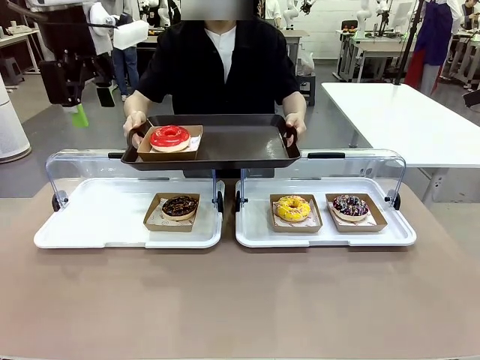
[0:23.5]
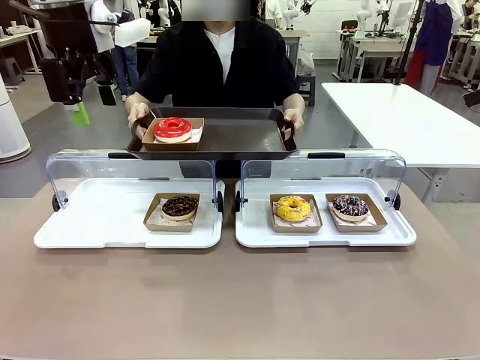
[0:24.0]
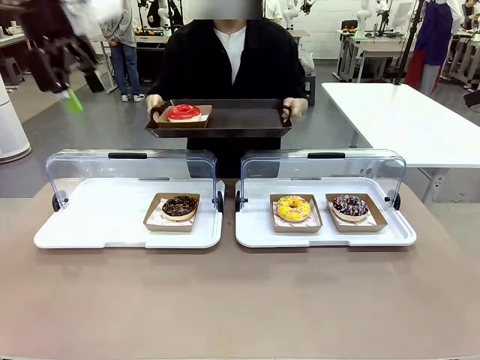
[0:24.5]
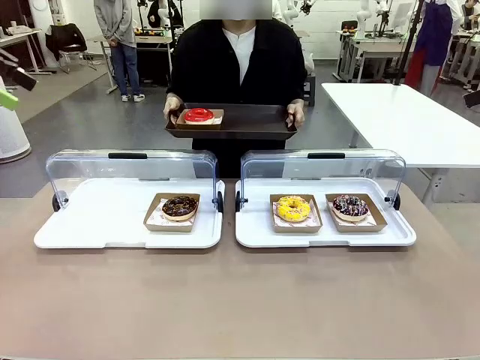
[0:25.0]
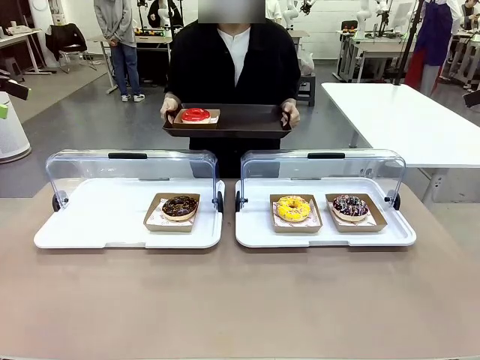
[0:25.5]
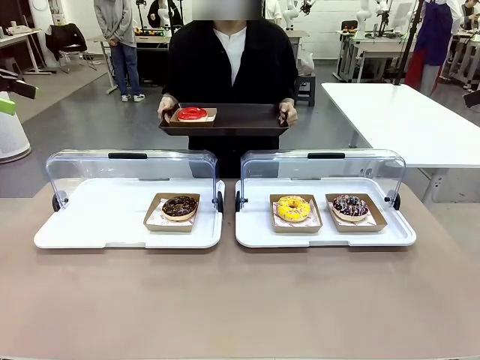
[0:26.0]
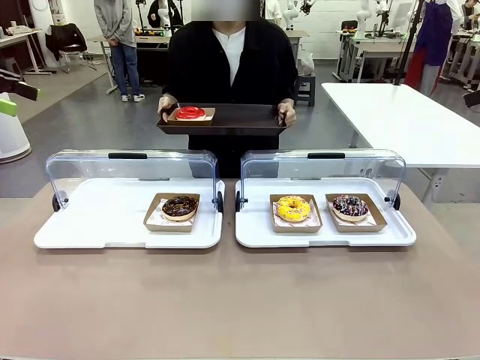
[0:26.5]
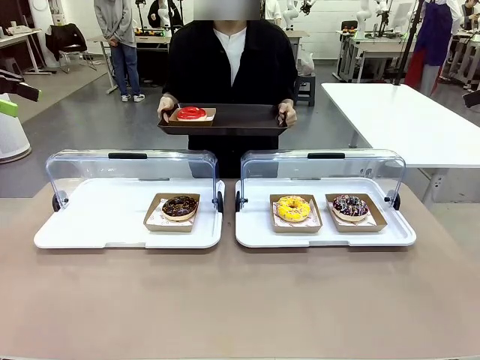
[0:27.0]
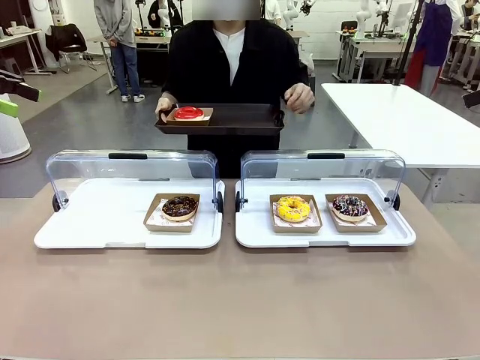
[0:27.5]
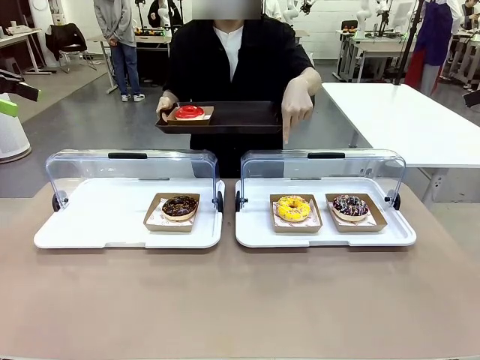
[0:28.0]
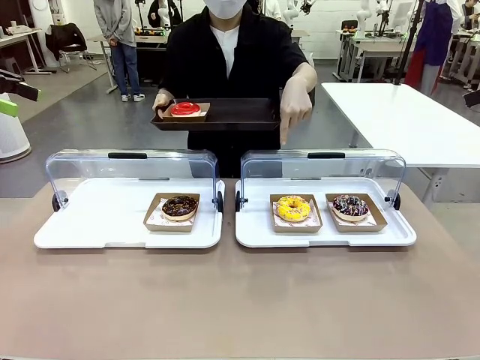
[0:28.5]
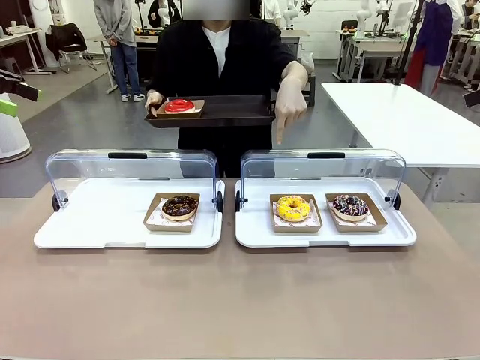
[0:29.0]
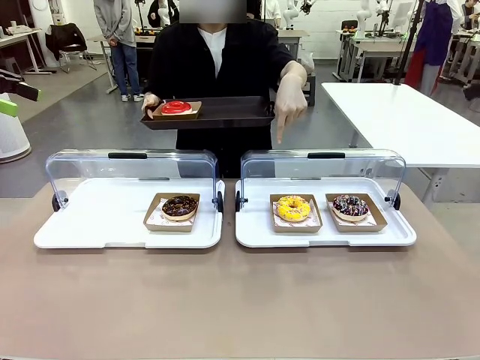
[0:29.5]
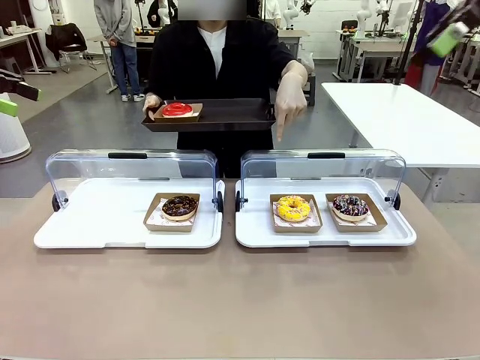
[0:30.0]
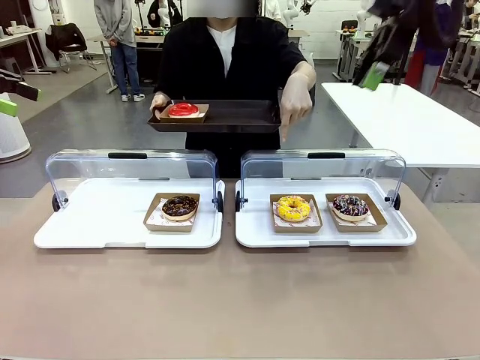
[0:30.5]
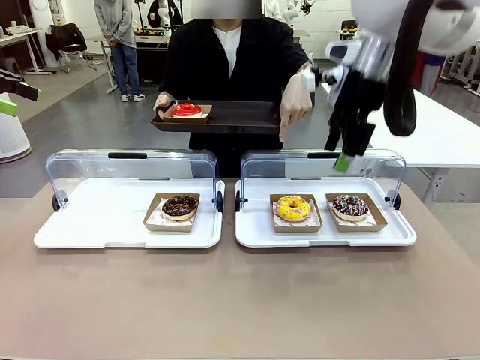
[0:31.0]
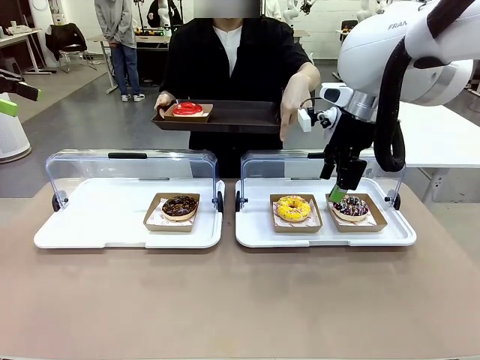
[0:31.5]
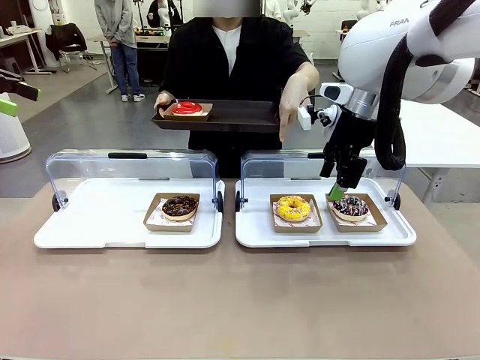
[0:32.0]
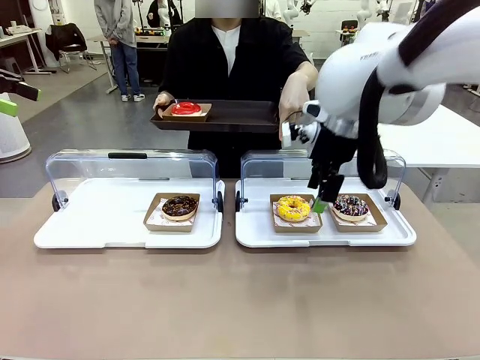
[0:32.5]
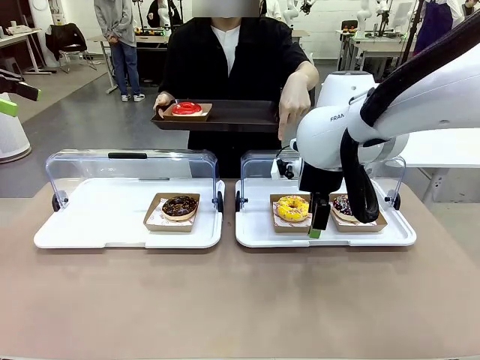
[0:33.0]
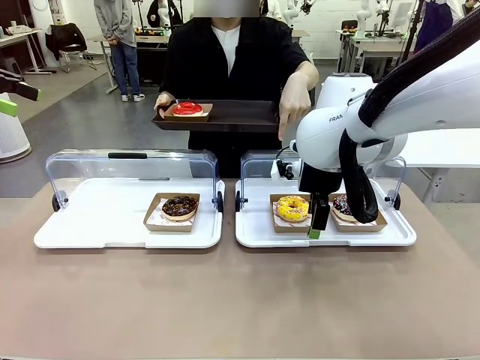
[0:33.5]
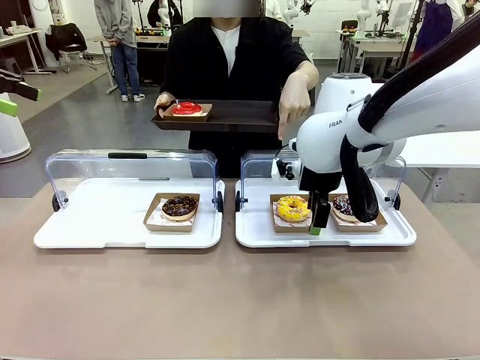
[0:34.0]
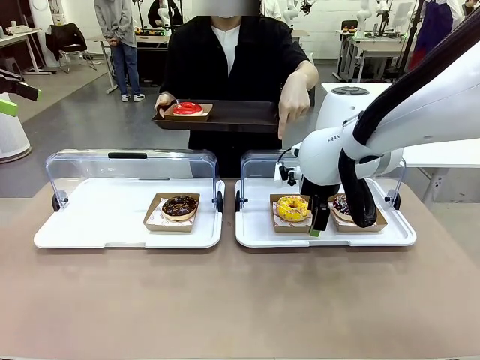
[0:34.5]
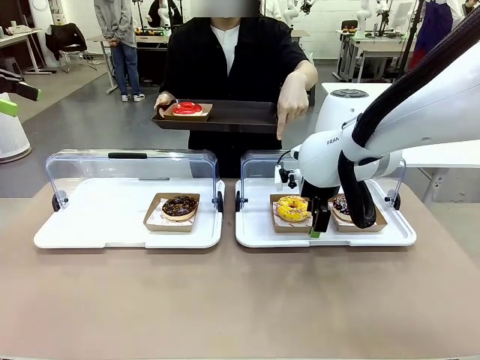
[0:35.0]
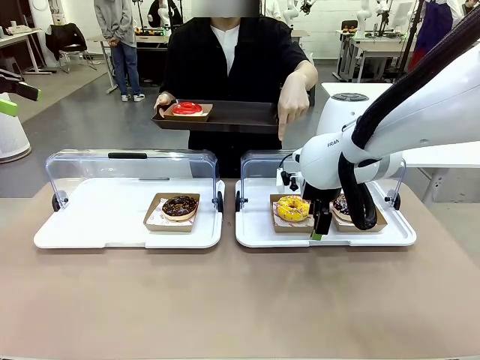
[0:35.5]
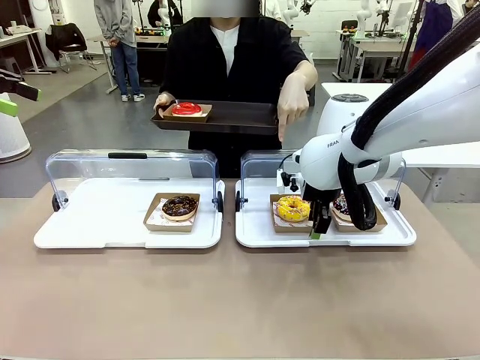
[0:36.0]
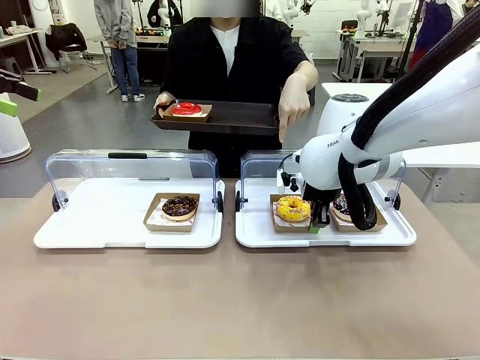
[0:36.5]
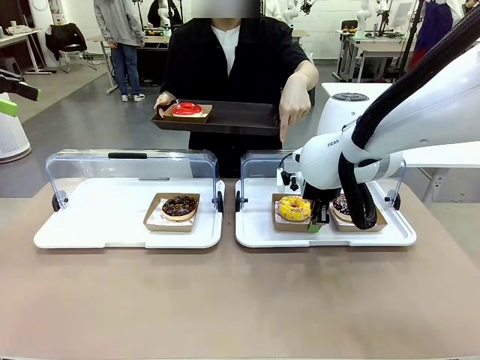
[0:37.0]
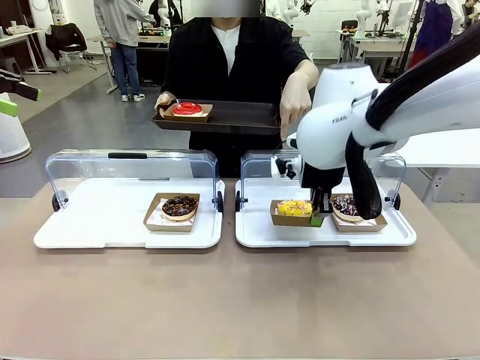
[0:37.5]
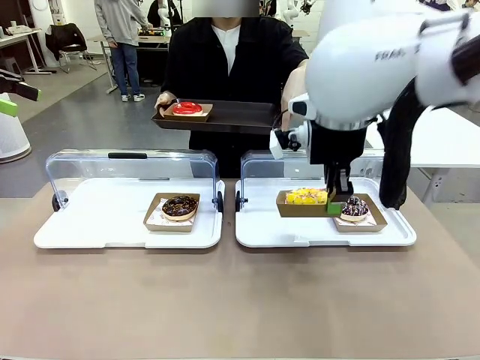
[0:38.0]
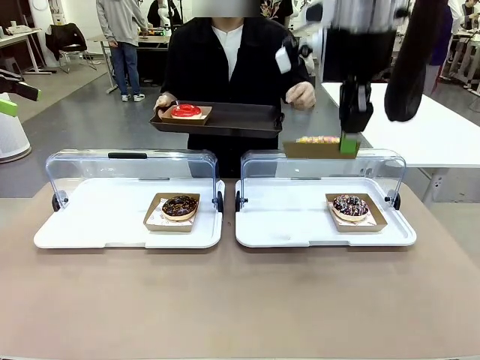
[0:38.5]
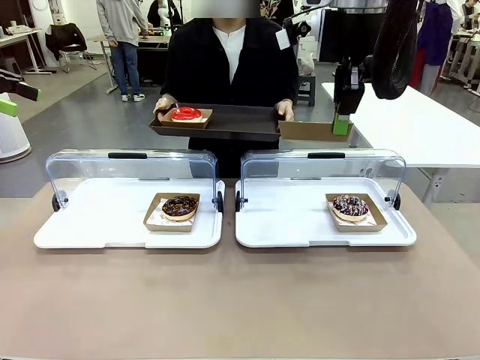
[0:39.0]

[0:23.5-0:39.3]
Task: Provide the desired donut to the person.
Robot: Pick up and lift the Paper togo box containing the Donut pointed at by the person.
Person: Point to one donut. Lift the tray onto the Roll-Top Bakery Case.

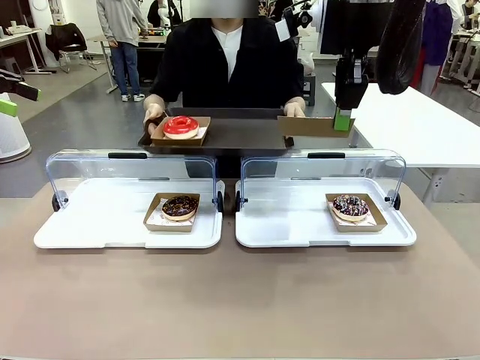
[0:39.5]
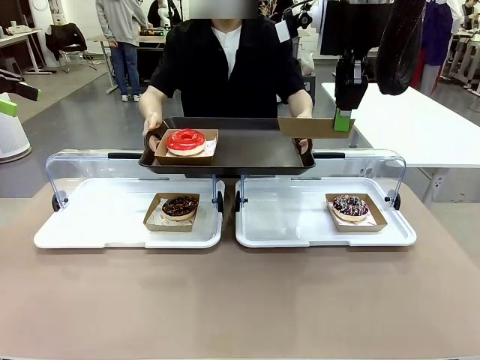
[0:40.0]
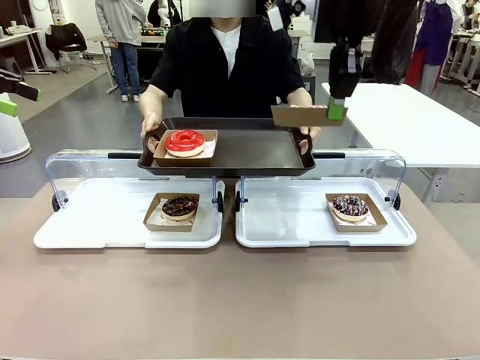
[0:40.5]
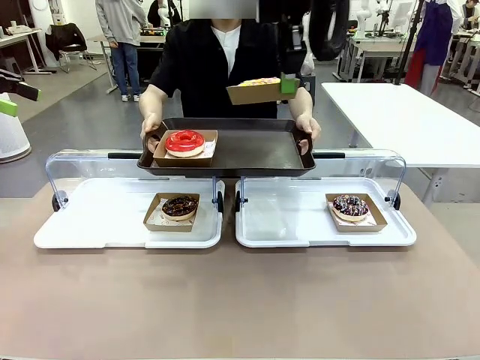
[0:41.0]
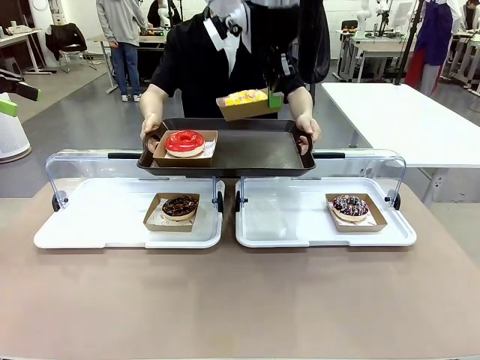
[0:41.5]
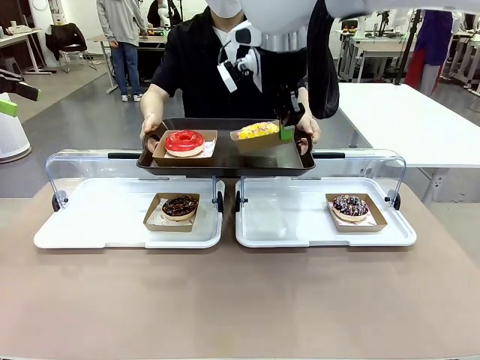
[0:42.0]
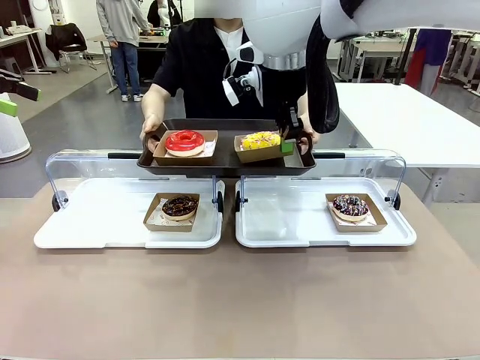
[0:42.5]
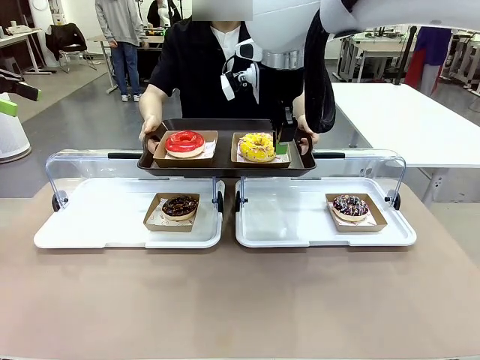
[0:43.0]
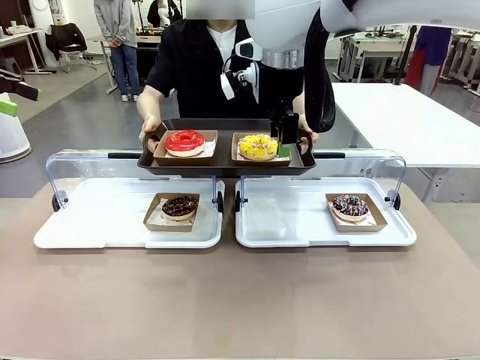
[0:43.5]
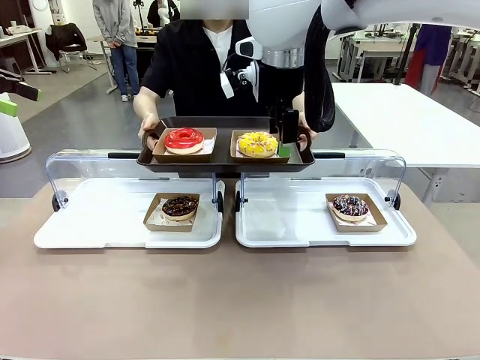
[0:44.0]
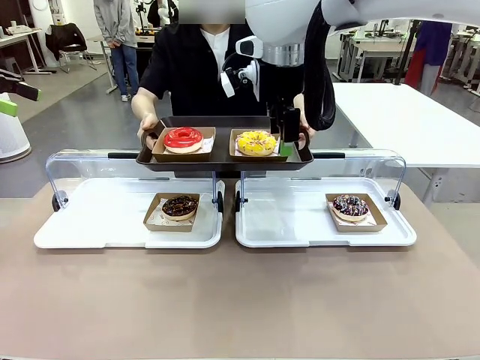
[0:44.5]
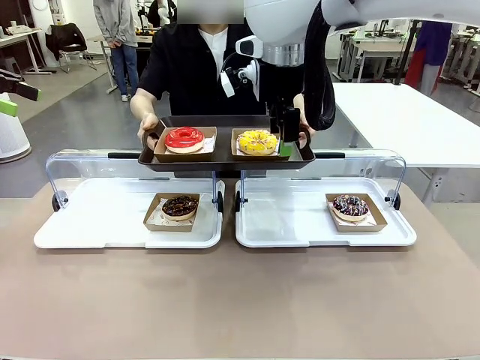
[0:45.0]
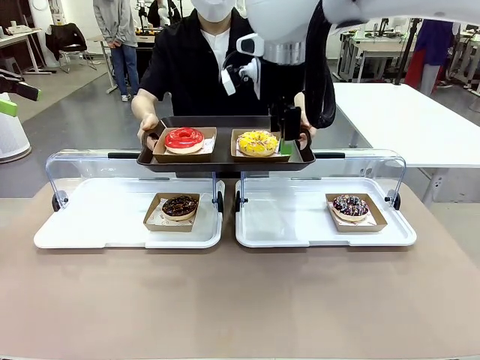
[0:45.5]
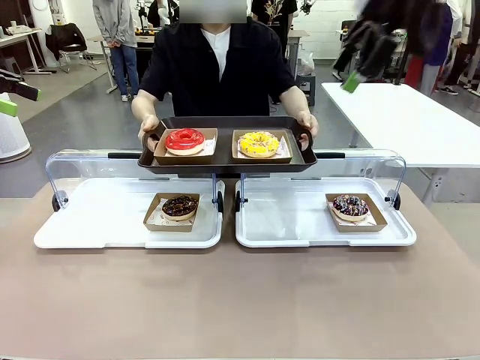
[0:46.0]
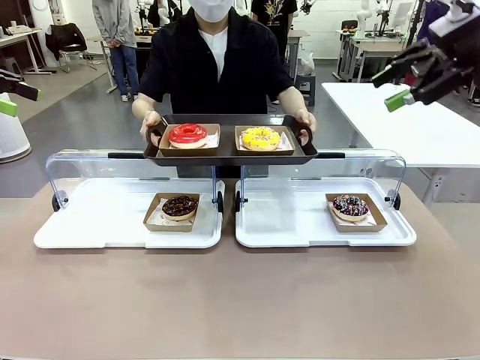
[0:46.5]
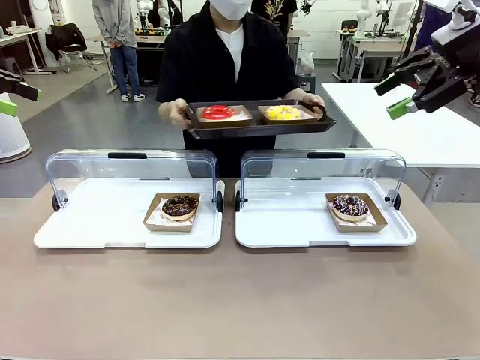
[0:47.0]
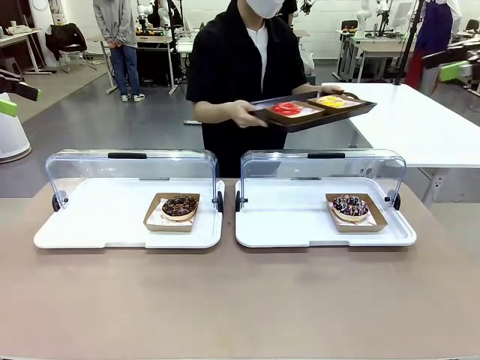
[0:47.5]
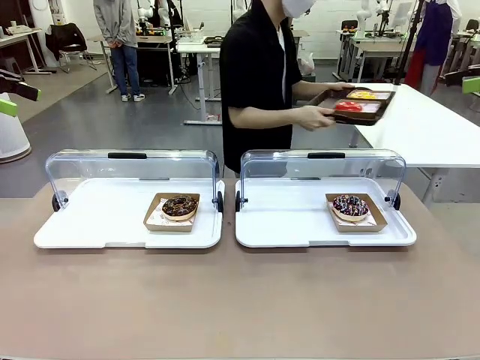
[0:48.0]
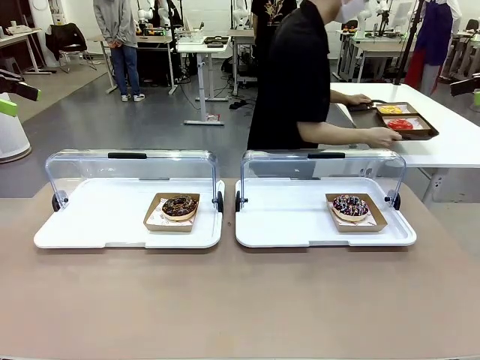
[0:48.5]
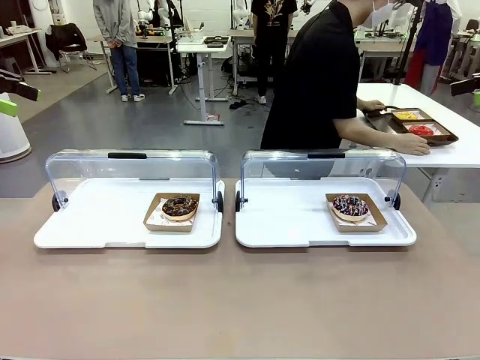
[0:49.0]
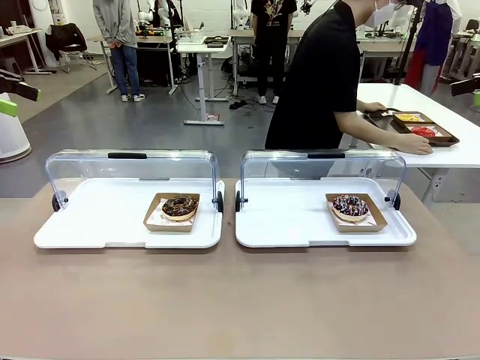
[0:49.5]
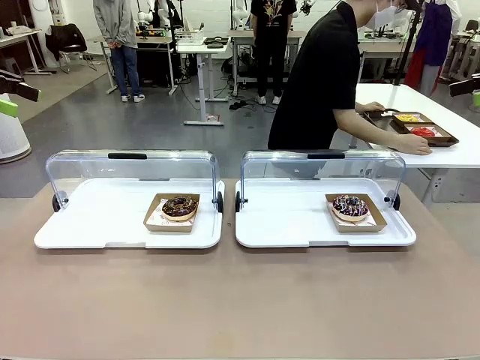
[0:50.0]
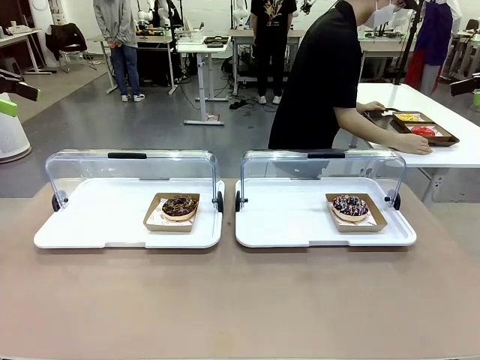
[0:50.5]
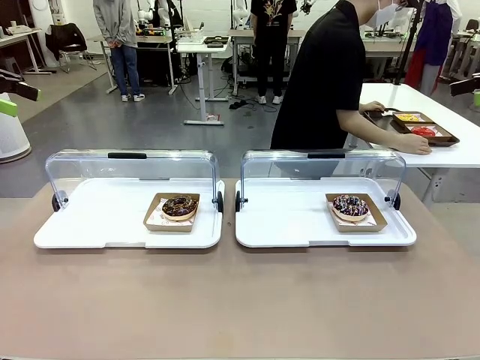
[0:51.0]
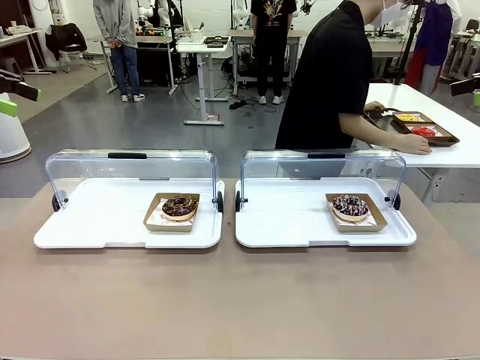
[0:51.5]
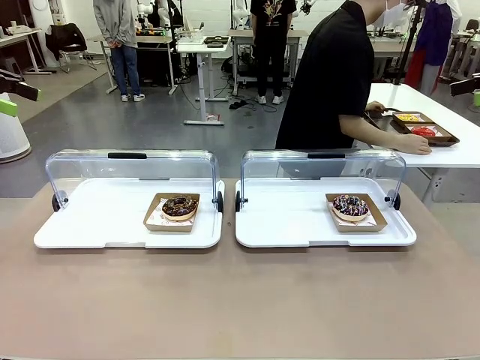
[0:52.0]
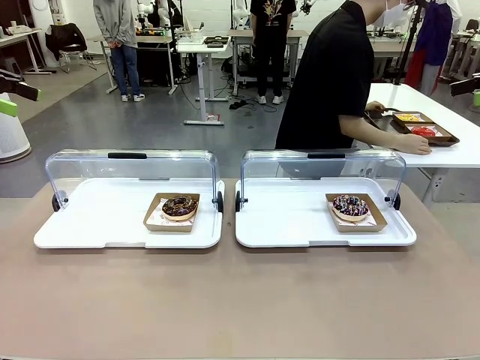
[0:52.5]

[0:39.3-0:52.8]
Robot: Place the picked Paper togo box onto the Handle tray extended by the person.
Person: Place the tray in the middle of the human table.
